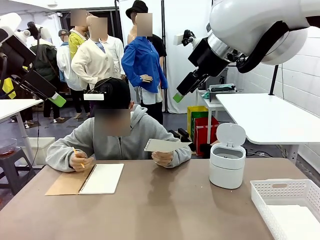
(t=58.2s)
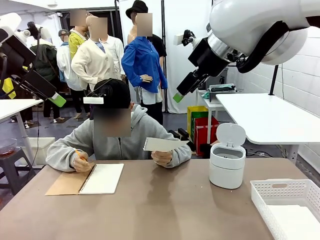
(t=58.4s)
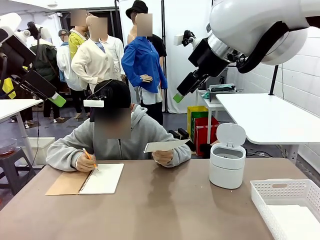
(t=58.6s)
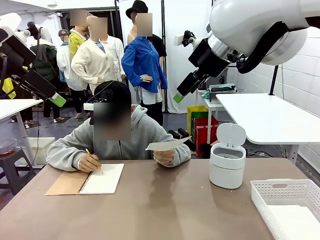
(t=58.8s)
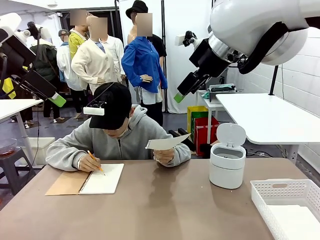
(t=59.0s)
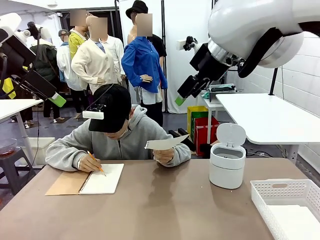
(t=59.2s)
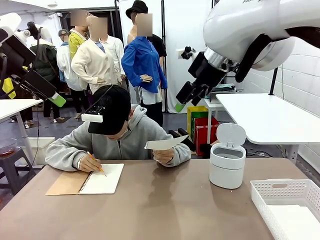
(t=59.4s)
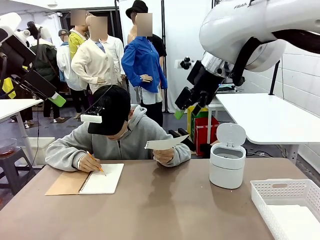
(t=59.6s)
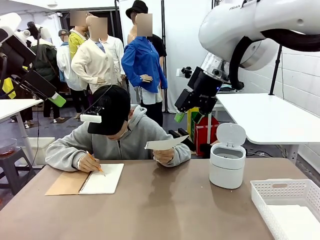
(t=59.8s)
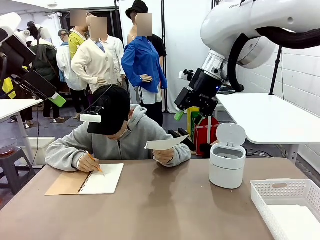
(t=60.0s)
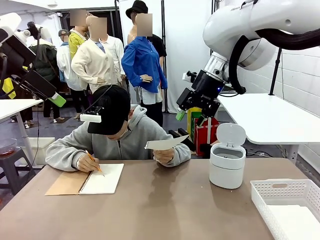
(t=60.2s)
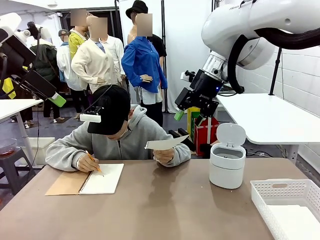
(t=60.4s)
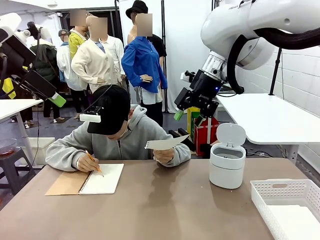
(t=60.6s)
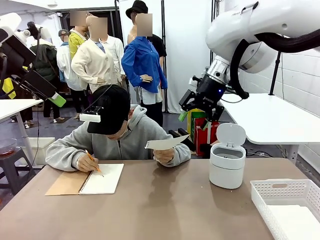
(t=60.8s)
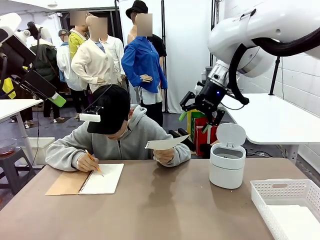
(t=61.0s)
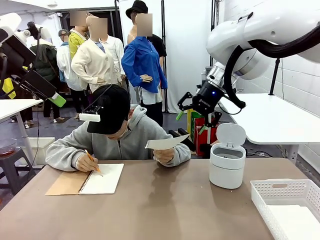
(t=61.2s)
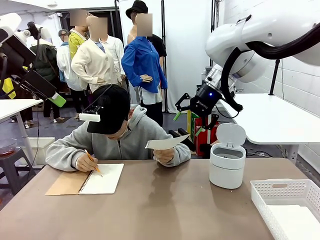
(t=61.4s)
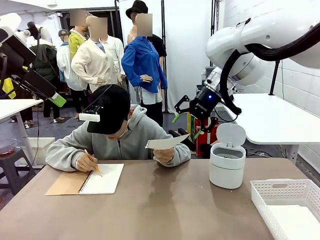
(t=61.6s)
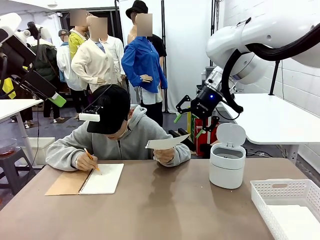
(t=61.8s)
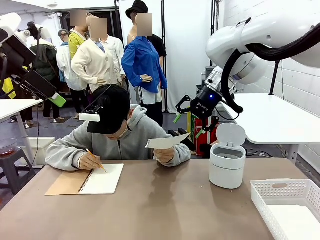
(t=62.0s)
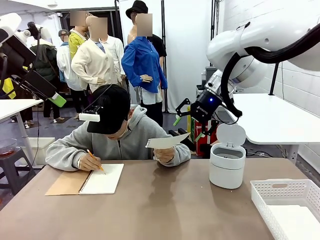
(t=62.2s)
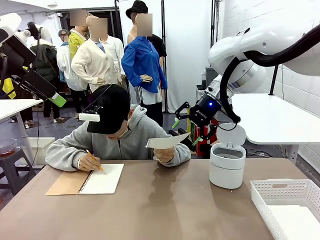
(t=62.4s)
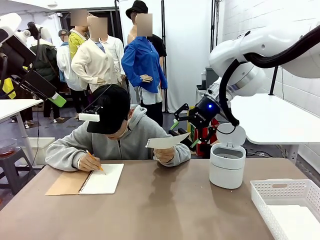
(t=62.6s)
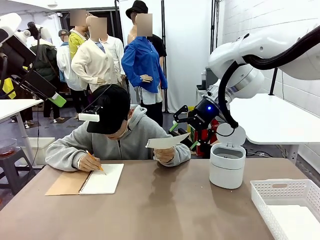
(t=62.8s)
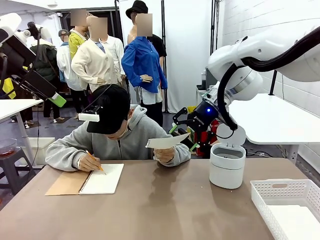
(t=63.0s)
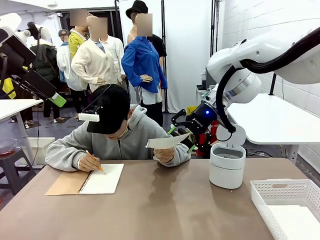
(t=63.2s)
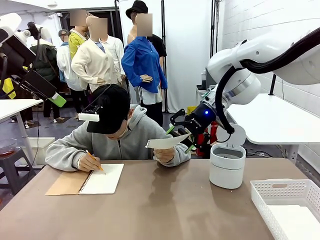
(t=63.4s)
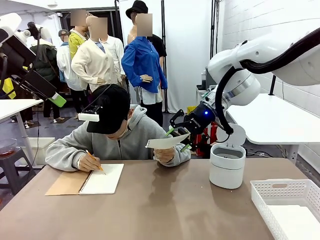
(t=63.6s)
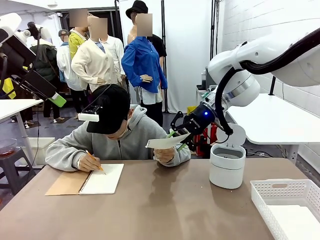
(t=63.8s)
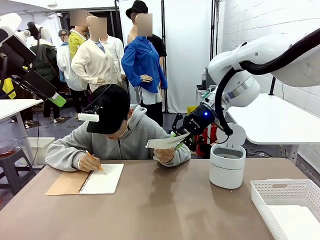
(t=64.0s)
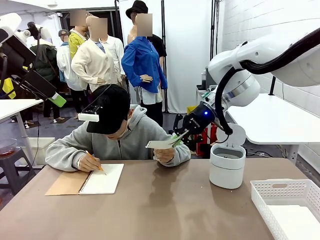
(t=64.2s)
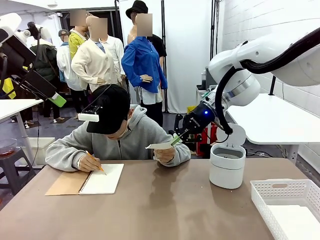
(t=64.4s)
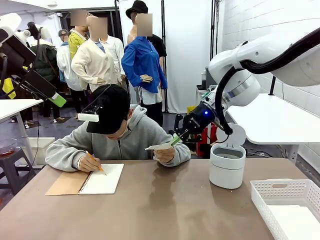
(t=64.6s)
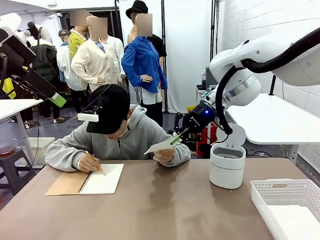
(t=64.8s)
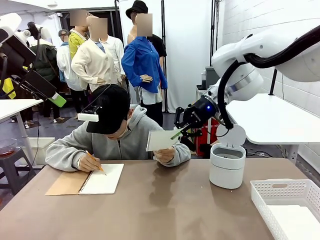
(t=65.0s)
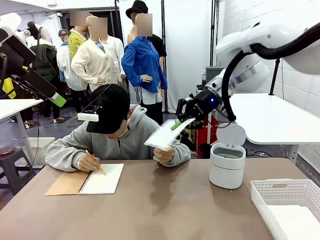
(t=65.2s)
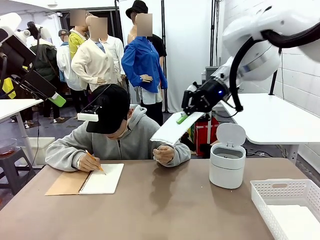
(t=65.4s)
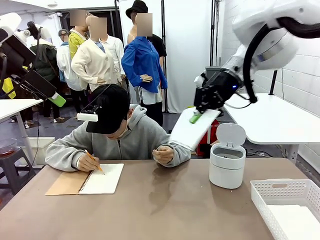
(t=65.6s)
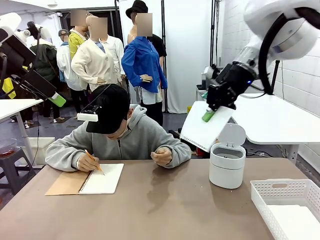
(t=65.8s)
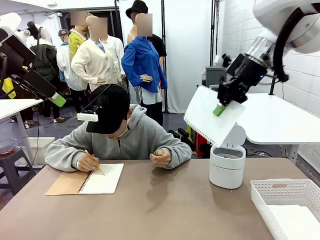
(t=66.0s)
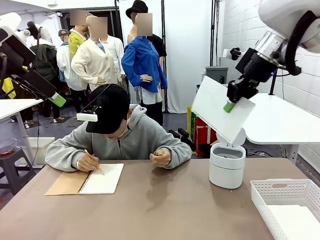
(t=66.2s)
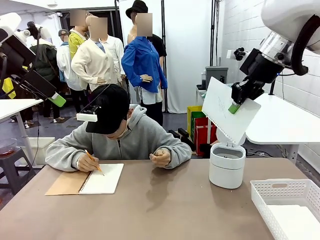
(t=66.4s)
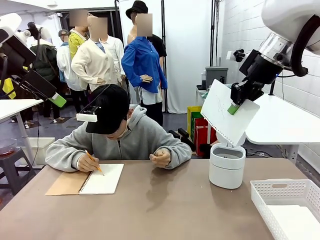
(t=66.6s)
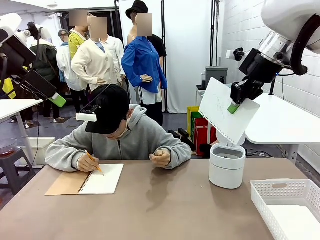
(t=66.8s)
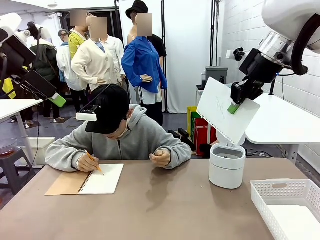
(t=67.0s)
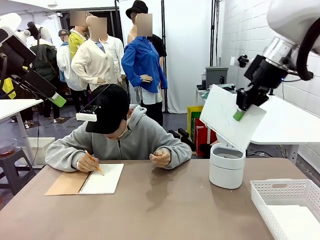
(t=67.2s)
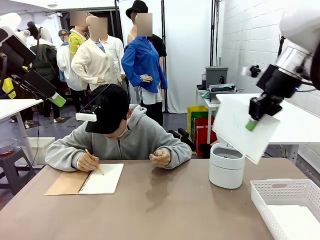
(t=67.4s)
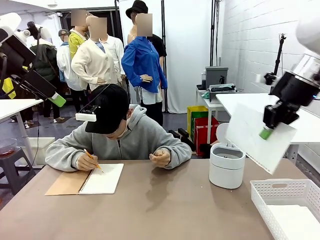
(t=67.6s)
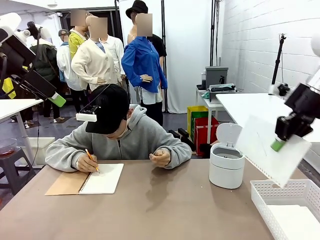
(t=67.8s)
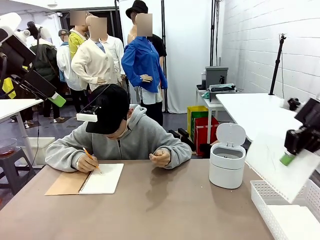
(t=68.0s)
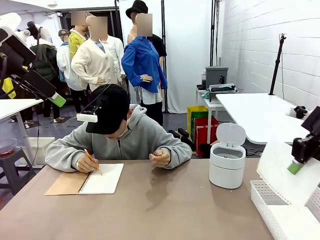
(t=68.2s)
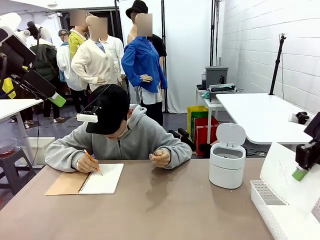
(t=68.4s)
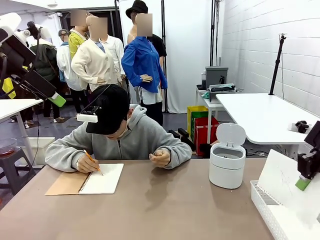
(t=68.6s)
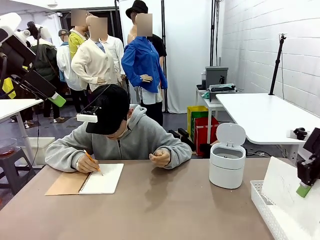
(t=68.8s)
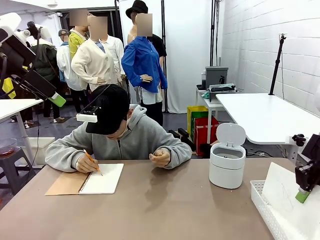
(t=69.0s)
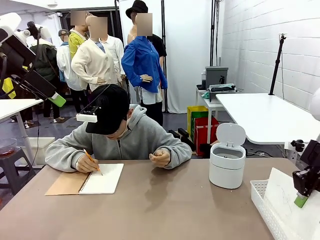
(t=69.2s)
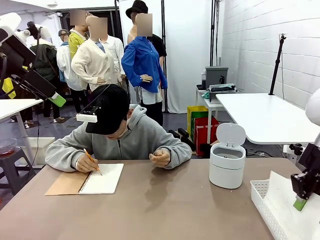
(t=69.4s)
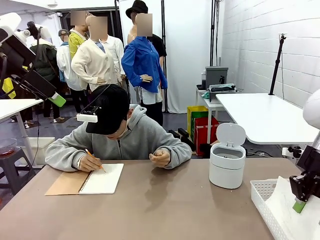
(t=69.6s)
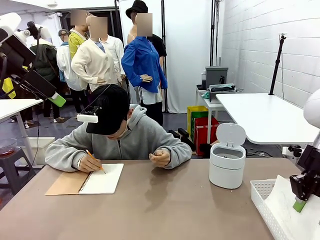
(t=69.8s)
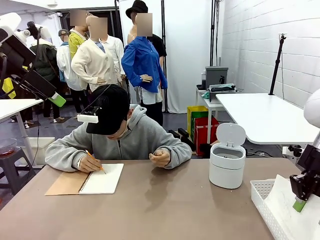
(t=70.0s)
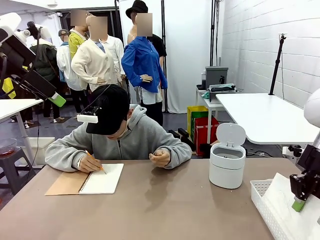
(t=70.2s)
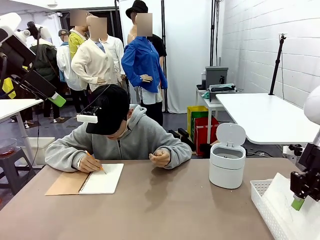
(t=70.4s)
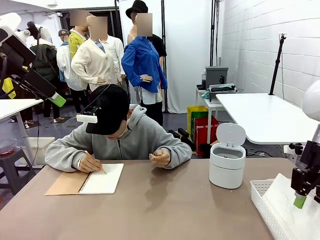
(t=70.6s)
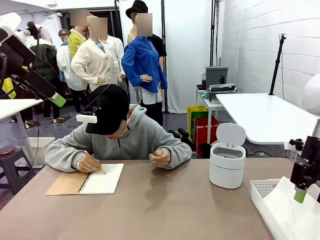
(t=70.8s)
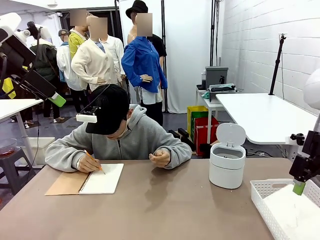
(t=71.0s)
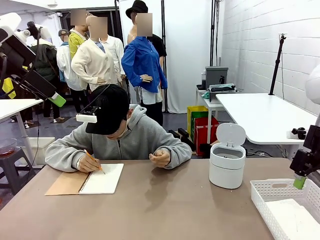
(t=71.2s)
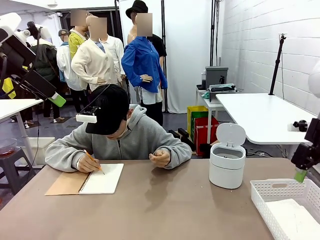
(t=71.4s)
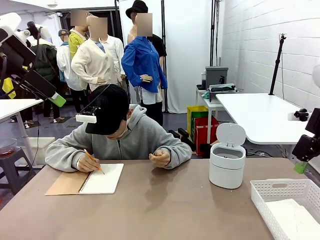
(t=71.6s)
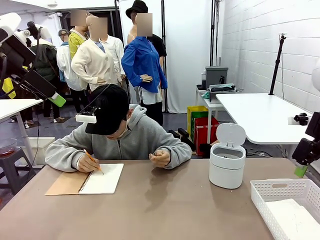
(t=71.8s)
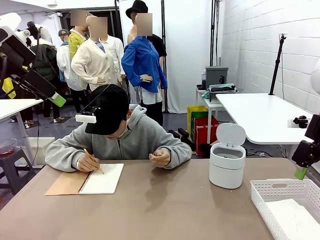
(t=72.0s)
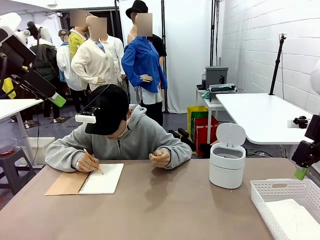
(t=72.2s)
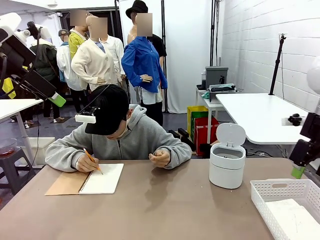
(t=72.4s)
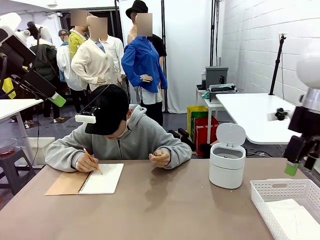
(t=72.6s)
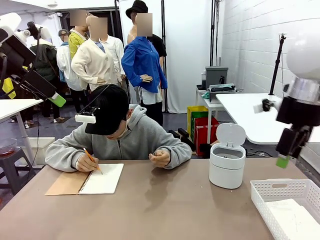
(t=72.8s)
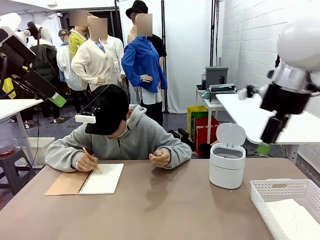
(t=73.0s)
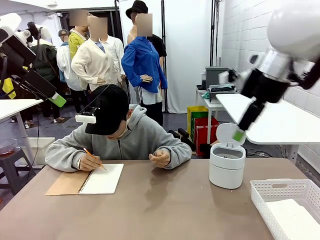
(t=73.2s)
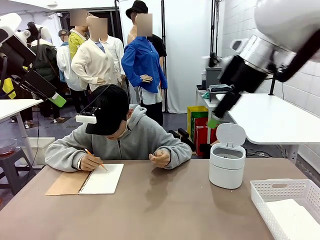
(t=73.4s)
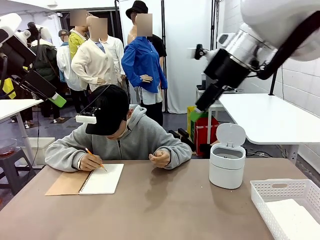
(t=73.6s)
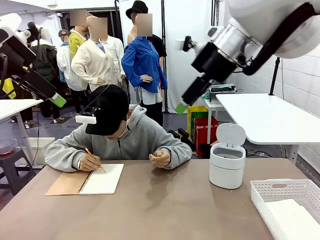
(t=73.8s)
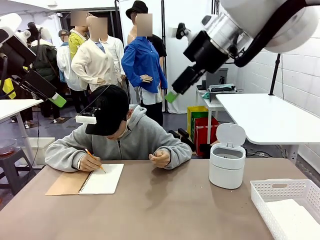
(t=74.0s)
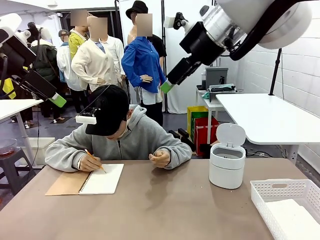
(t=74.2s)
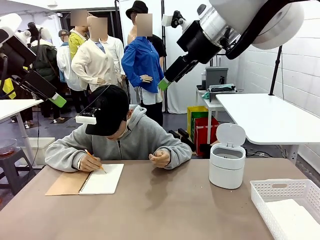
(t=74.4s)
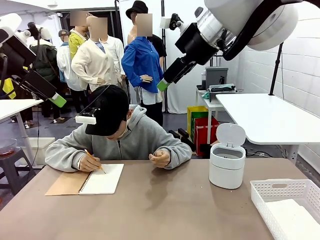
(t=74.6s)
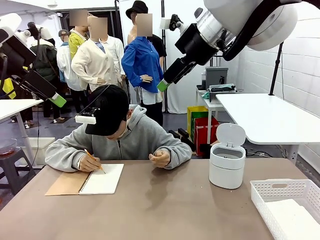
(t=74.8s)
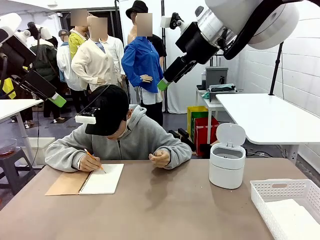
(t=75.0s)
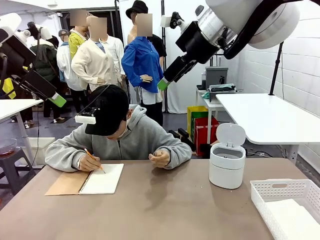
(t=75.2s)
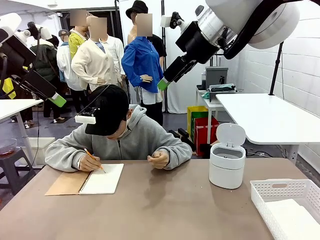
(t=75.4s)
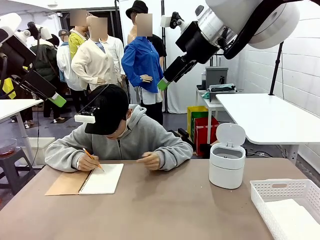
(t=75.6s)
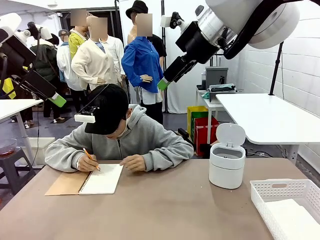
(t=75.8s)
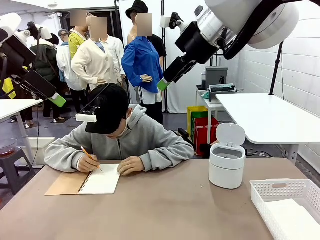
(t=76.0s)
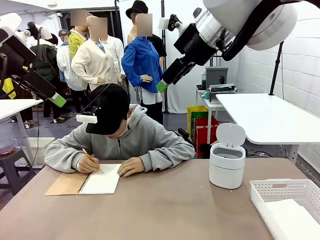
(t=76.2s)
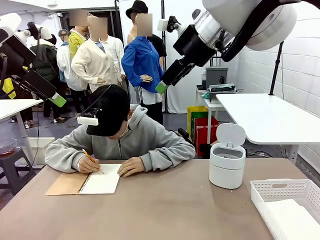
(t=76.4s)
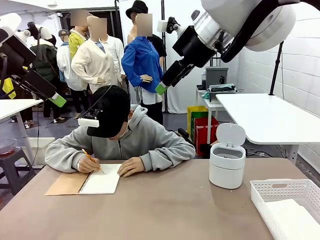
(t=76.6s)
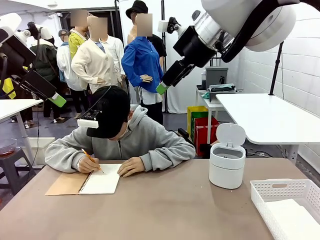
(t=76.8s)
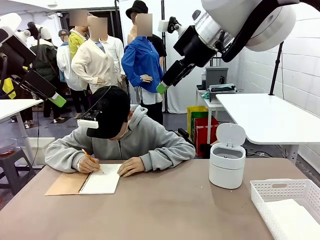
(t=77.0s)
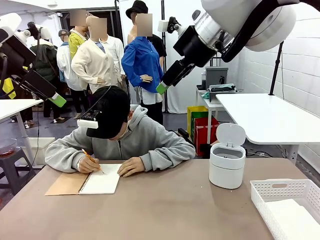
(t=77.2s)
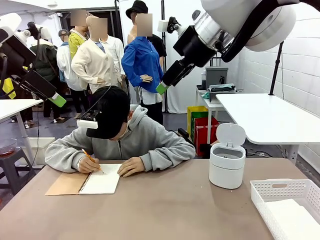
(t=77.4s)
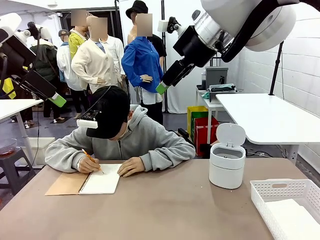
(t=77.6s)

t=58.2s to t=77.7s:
Task: Sort the paper based on its condition.
Robot: If a person hands you a paper, place it in the Organizing basket , and if it's crumpled, put it in the Trash can.
Person: Hand the torn page to the robot or crumple it and throw it to the center of the table.
